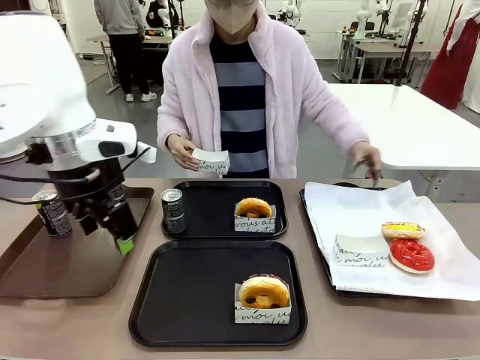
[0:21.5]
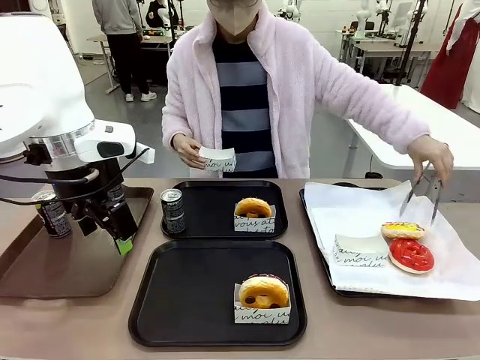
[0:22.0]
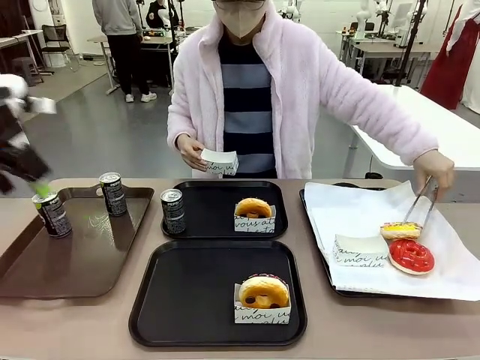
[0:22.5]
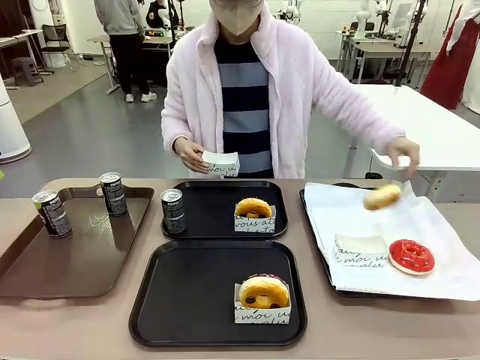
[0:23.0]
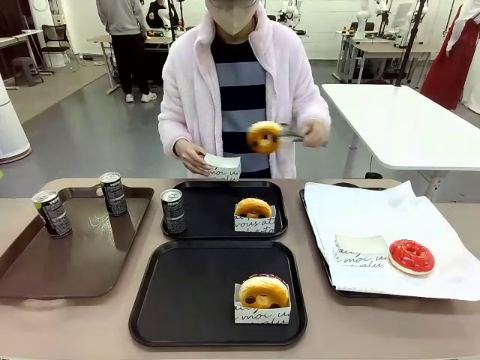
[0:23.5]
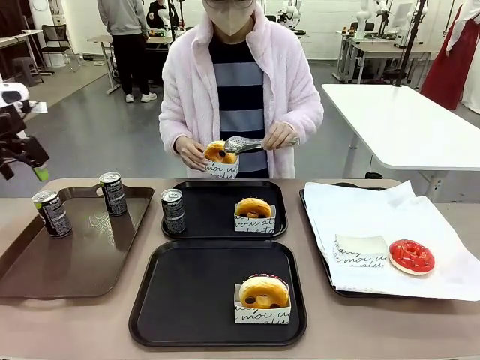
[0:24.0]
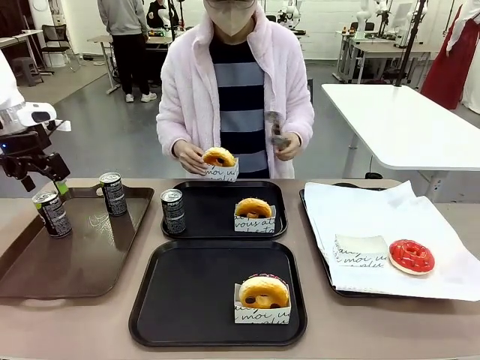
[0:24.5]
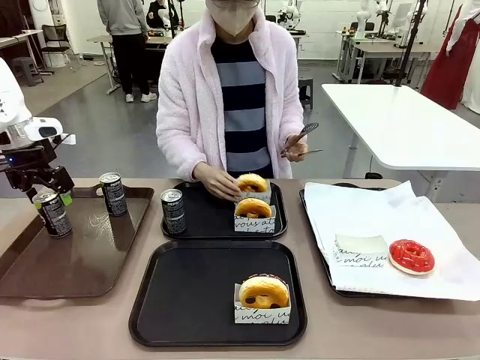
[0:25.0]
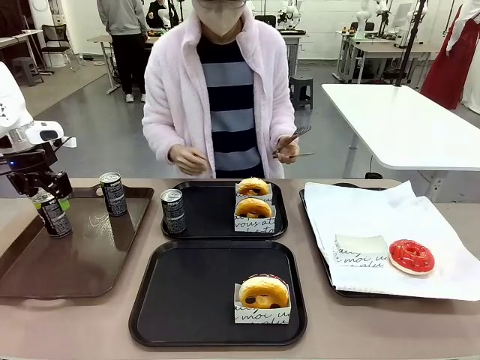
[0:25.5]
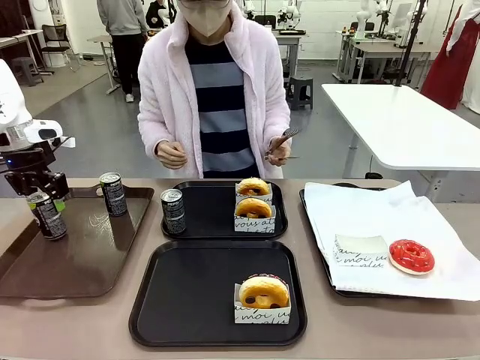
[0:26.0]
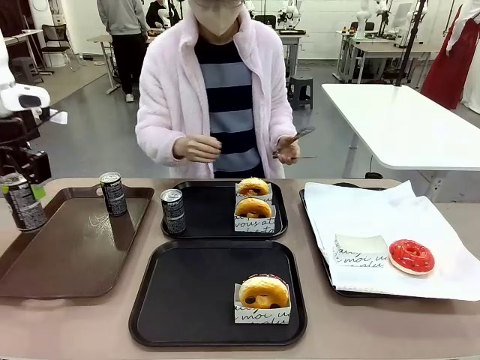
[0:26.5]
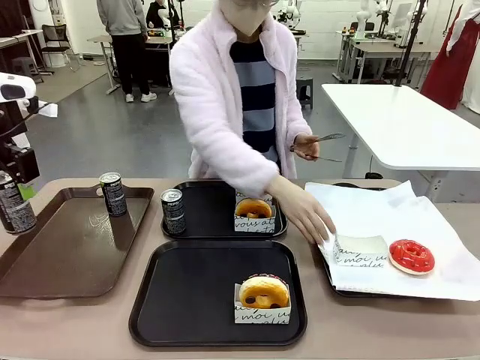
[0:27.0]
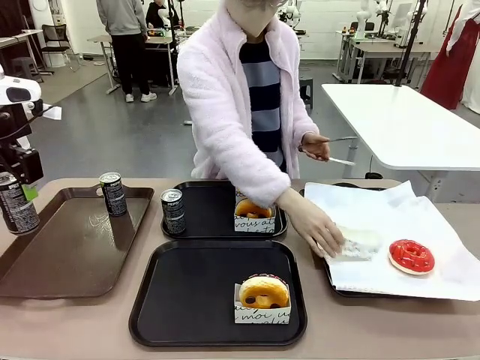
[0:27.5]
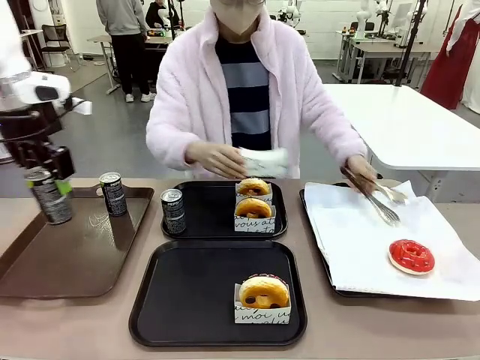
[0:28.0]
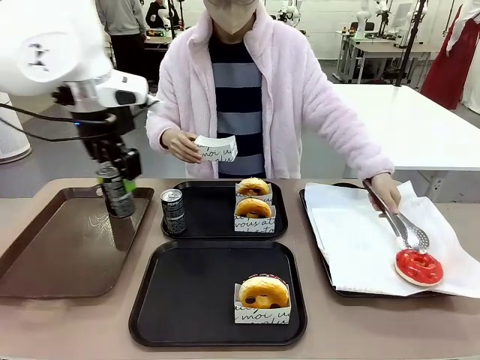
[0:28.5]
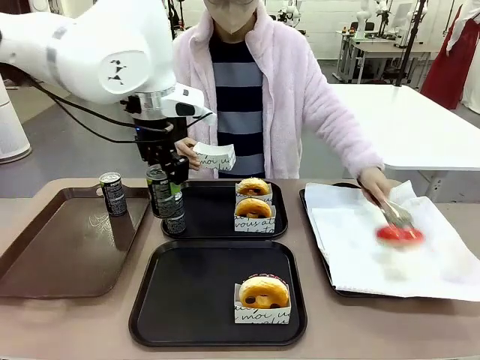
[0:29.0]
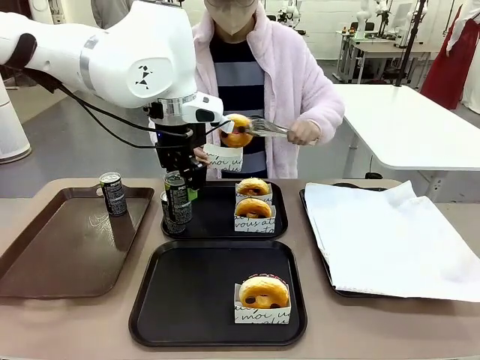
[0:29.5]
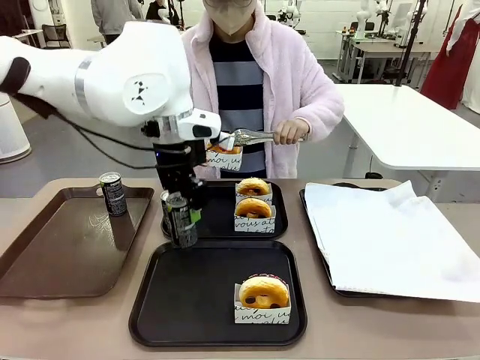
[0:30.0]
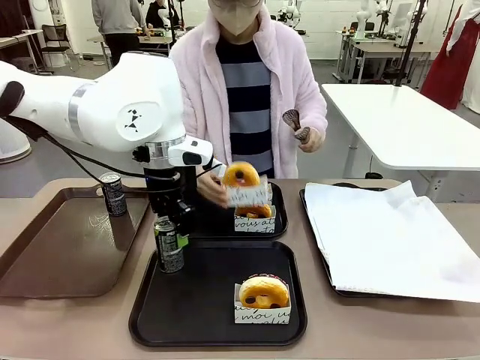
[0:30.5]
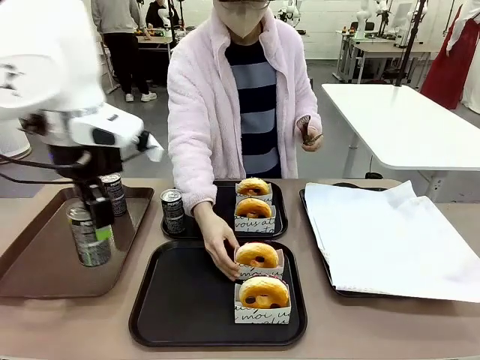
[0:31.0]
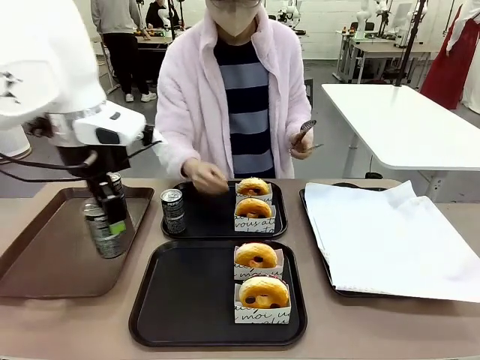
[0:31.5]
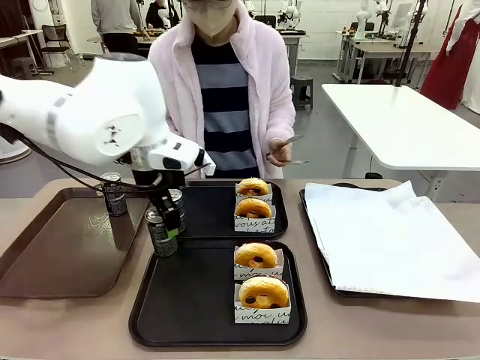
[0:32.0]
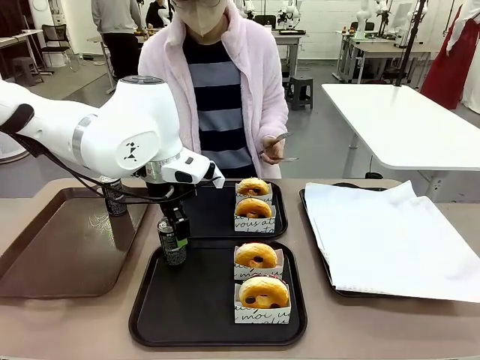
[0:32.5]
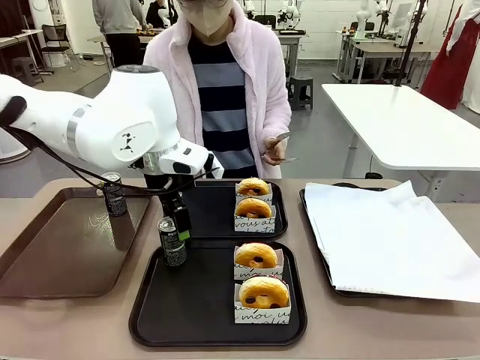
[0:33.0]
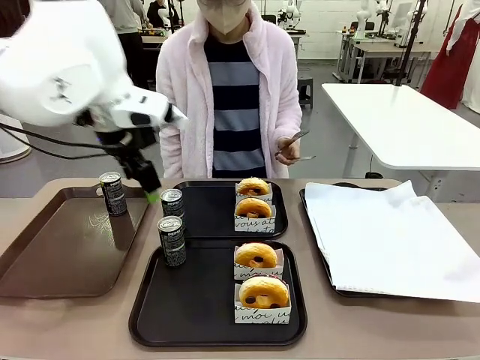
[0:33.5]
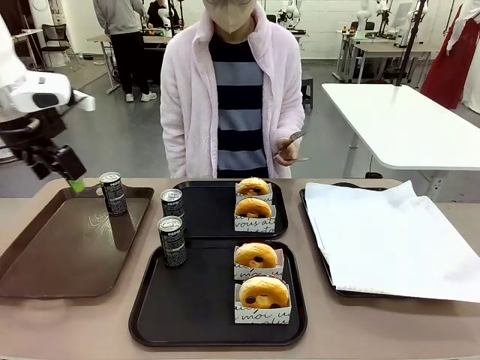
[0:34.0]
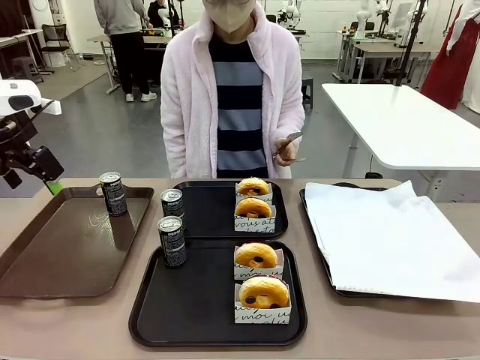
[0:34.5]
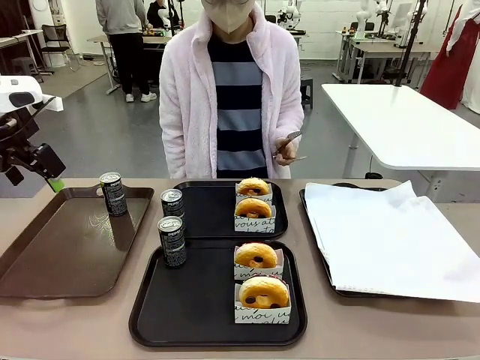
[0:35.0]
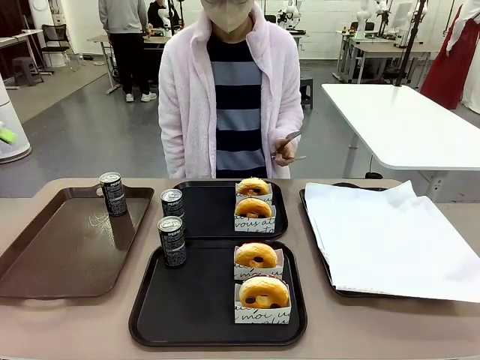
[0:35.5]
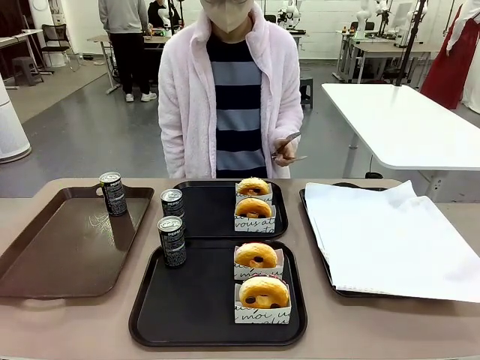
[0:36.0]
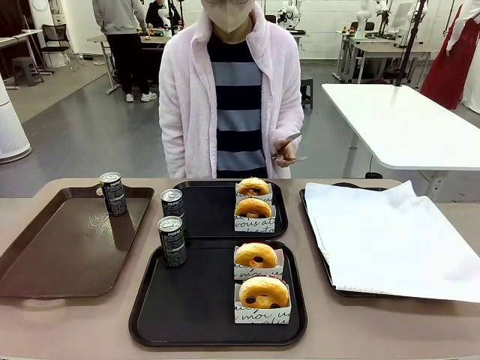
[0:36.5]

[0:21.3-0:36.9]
Task: Set up donuts and drinks on trays.
Robot: Pick up one Pepsi coke from the Handle tray and place it on the Flat Tray without a Pepsi coke.

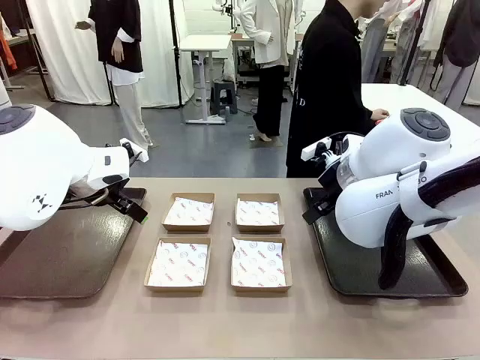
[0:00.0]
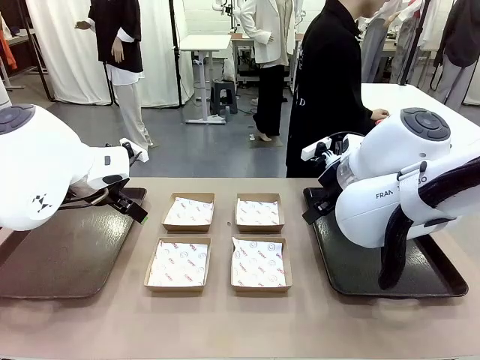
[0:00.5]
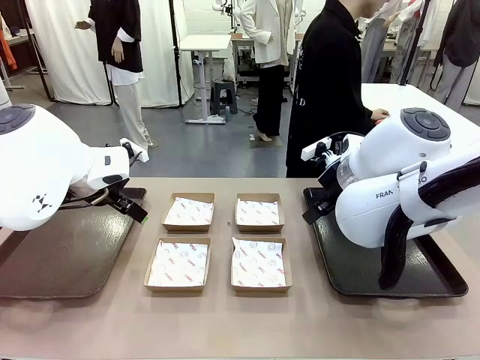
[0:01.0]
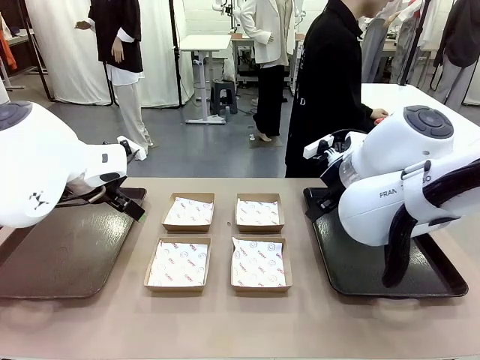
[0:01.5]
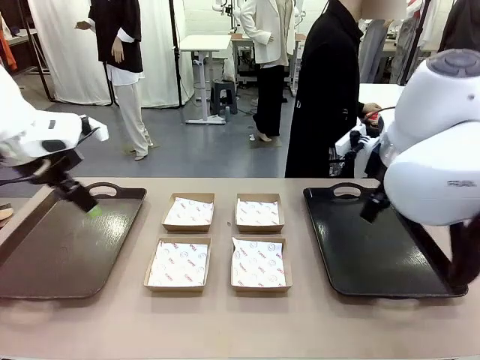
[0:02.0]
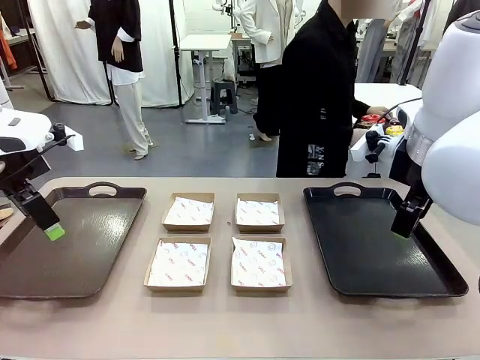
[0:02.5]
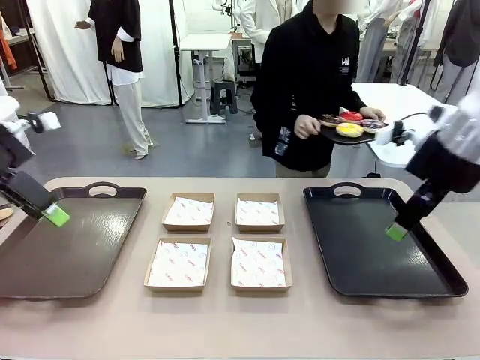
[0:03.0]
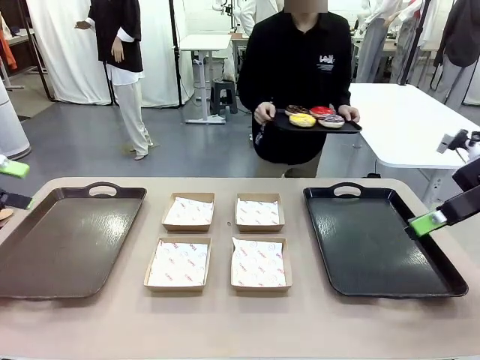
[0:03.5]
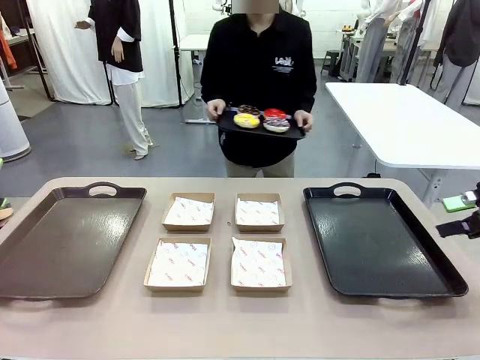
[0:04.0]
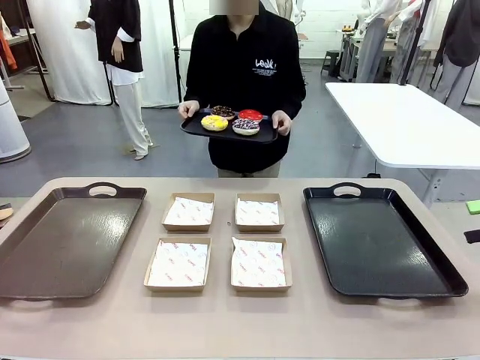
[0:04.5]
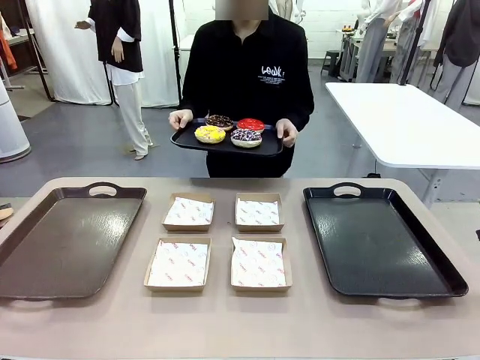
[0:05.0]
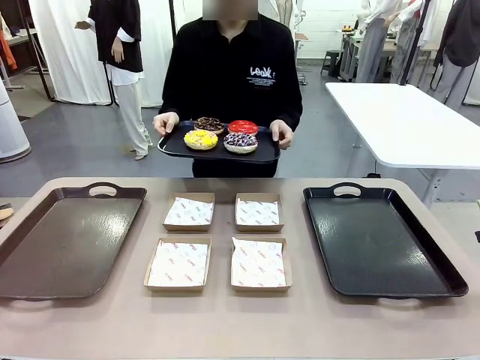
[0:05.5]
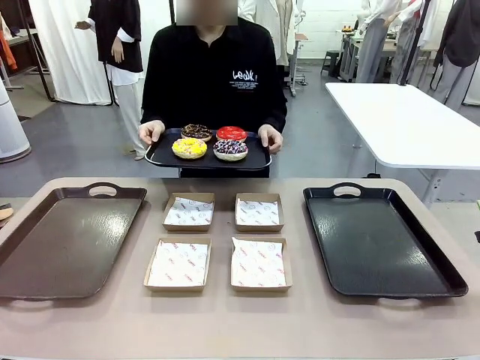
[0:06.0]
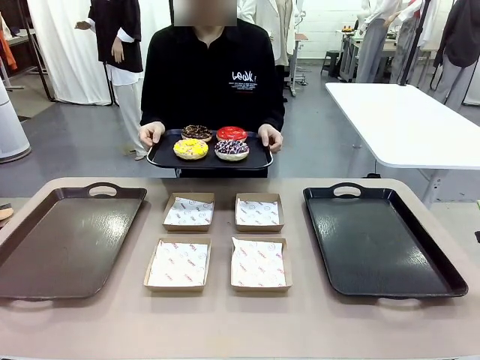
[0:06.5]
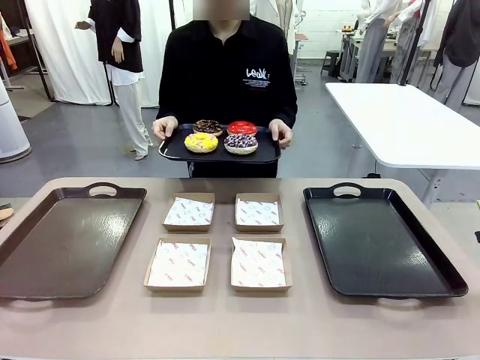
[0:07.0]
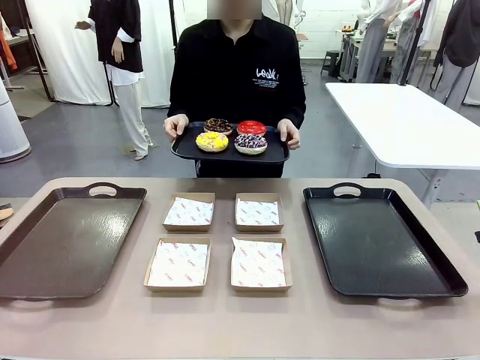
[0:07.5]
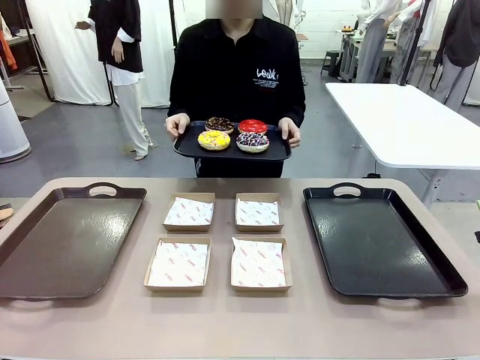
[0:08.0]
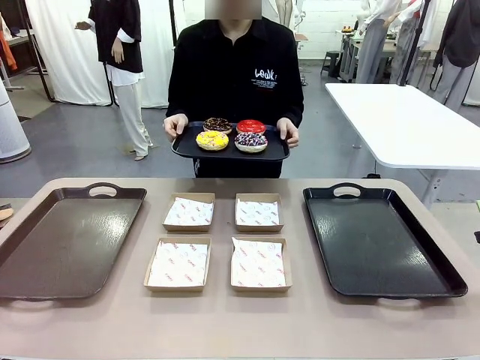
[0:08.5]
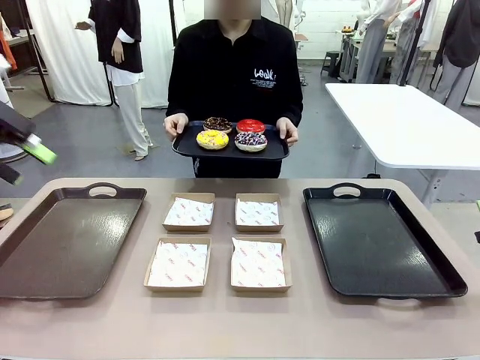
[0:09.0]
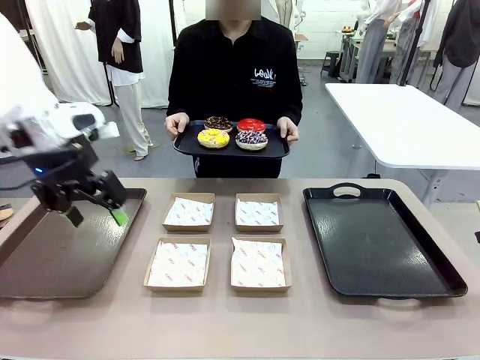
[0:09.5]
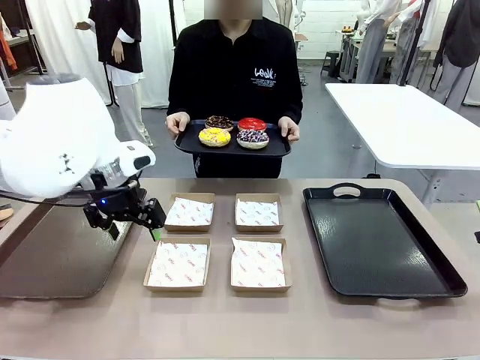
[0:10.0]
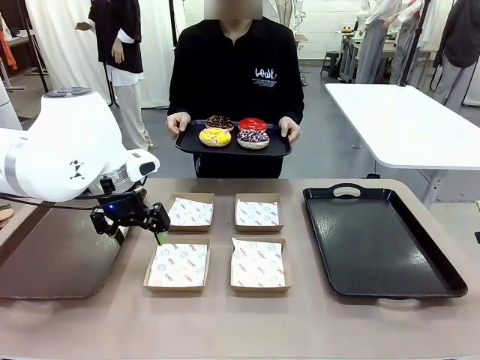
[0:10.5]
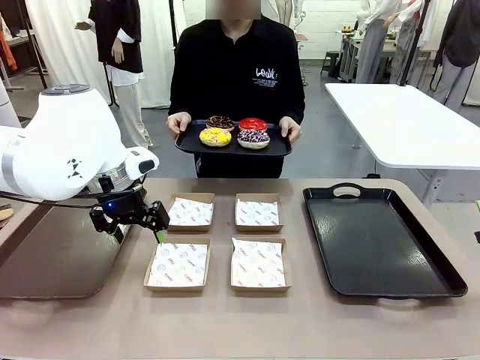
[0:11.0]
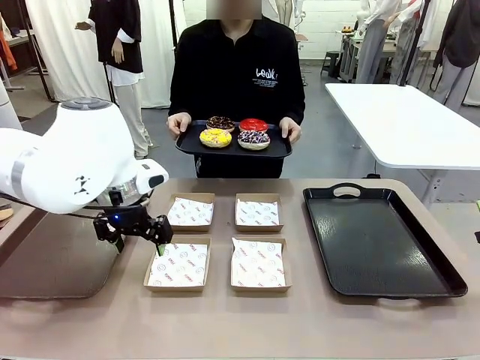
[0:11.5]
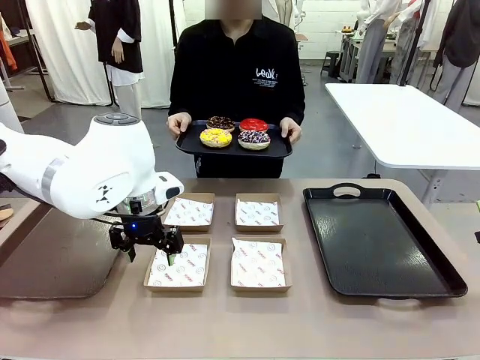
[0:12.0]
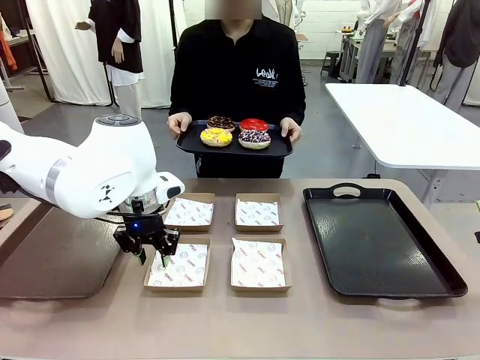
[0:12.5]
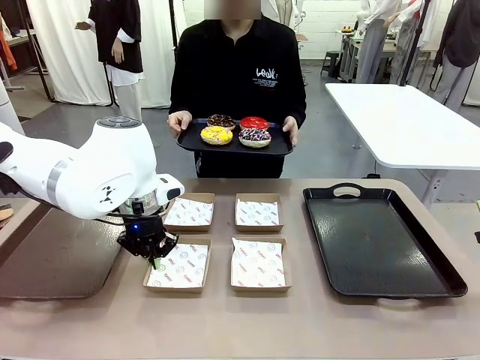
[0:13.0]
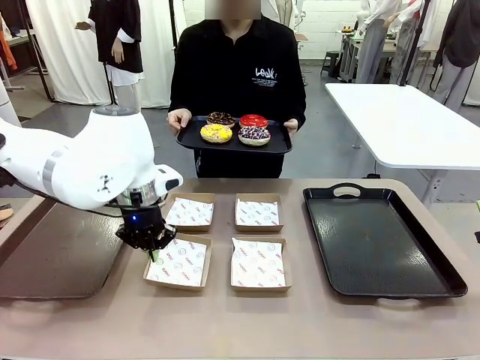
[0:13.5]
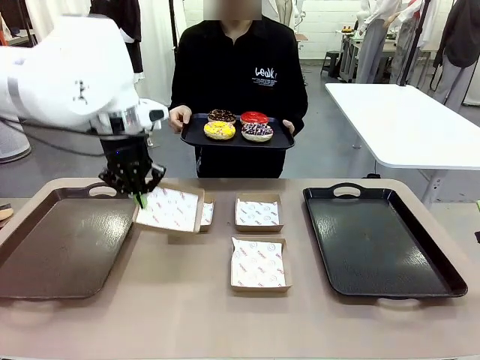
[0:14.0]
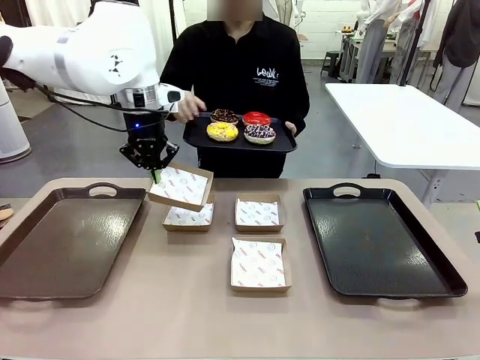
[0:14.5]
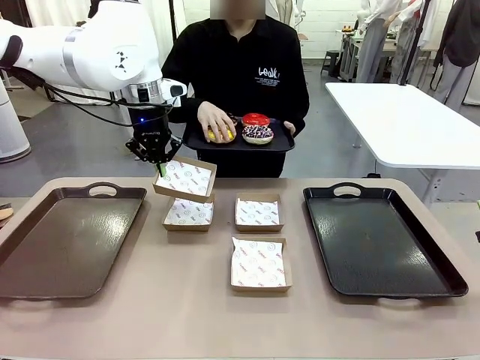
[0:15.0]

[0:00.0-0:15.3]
Task: Individually package the donuts and arrange them on the tray.
Robot: Pick up one Paper togo box.
Person: Stand in front of the robot table holding the tray containing the donuts.
